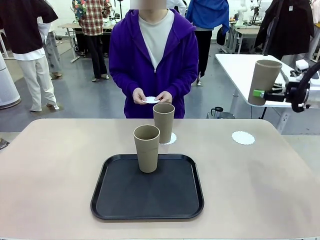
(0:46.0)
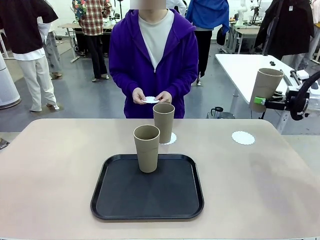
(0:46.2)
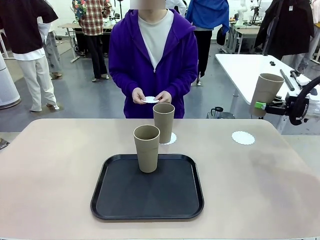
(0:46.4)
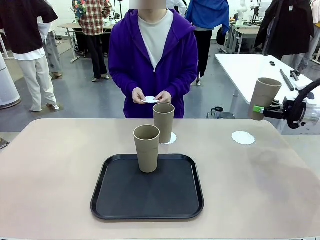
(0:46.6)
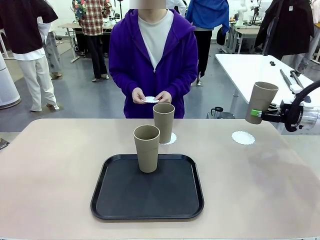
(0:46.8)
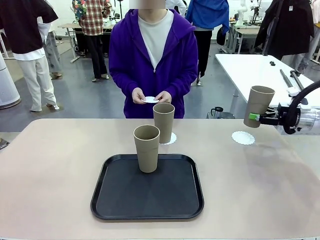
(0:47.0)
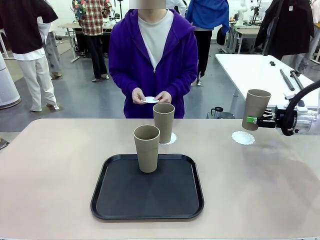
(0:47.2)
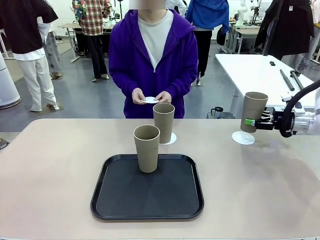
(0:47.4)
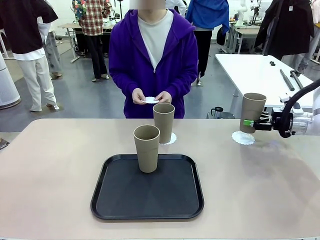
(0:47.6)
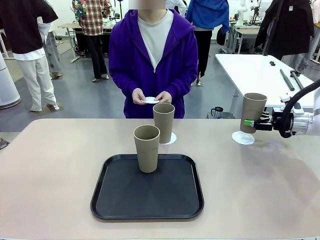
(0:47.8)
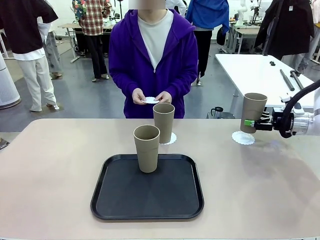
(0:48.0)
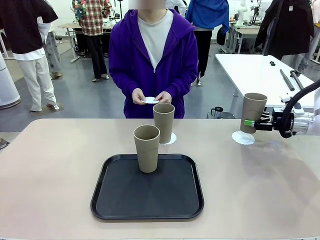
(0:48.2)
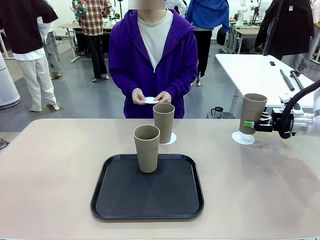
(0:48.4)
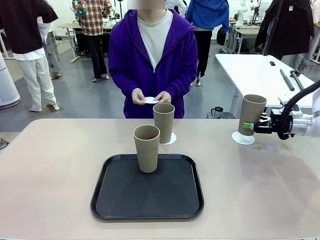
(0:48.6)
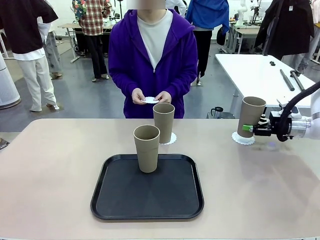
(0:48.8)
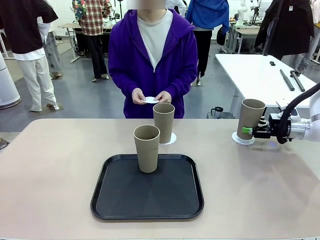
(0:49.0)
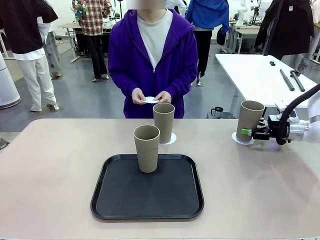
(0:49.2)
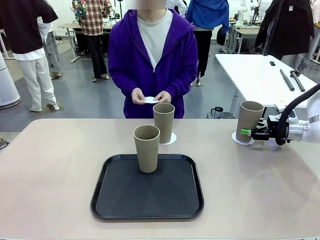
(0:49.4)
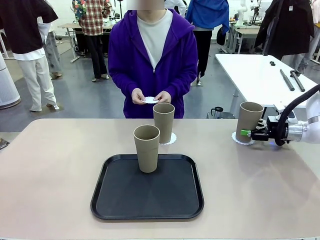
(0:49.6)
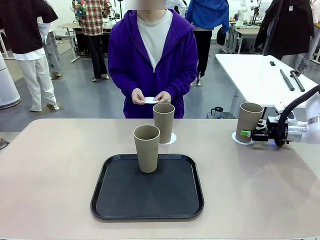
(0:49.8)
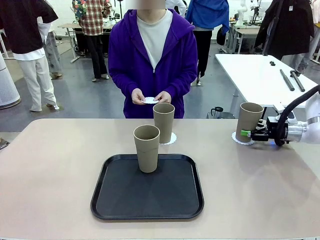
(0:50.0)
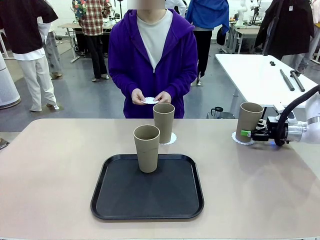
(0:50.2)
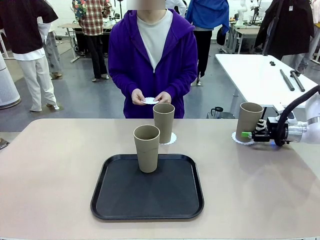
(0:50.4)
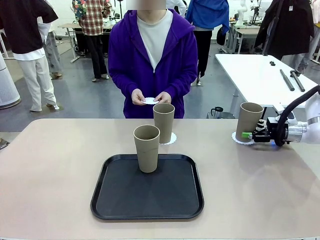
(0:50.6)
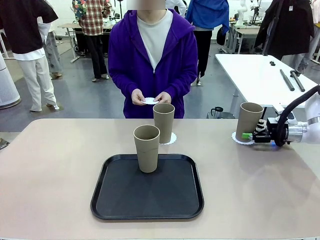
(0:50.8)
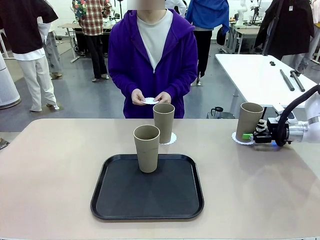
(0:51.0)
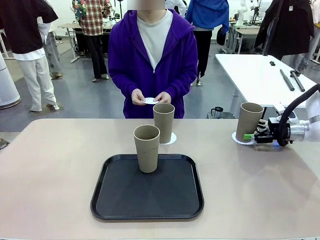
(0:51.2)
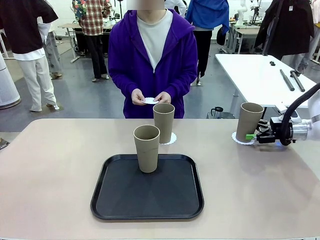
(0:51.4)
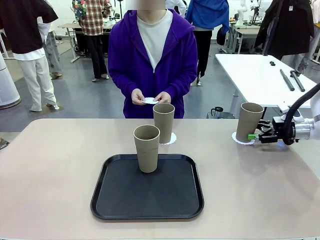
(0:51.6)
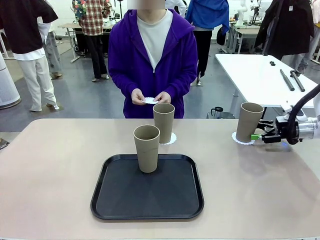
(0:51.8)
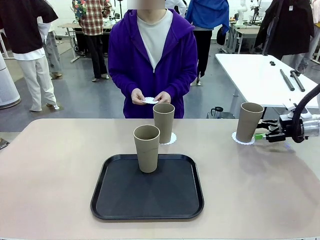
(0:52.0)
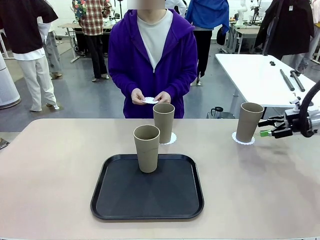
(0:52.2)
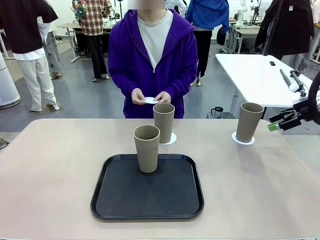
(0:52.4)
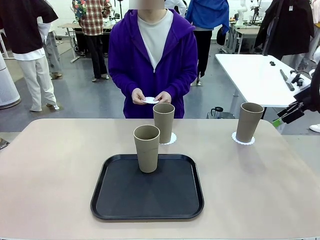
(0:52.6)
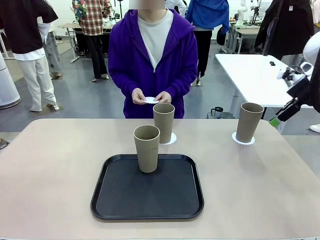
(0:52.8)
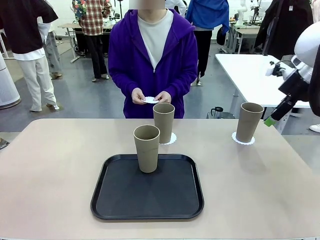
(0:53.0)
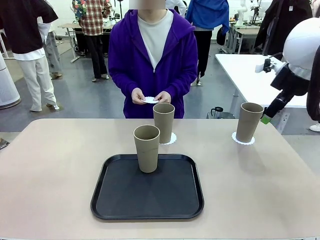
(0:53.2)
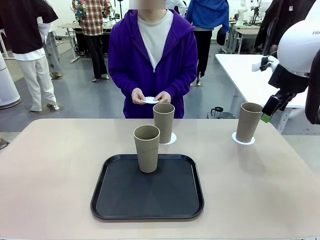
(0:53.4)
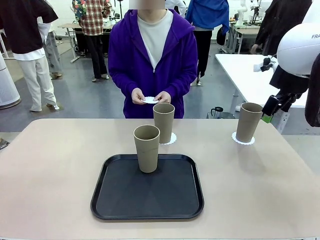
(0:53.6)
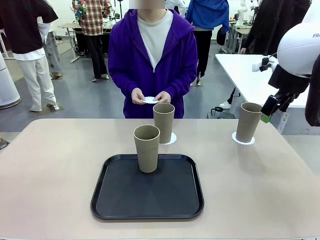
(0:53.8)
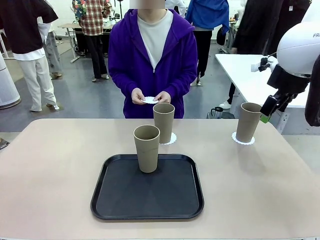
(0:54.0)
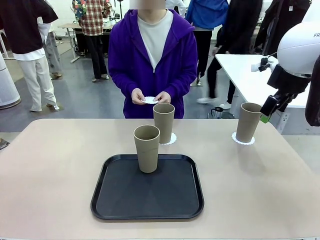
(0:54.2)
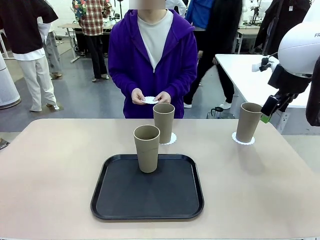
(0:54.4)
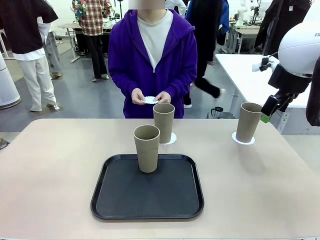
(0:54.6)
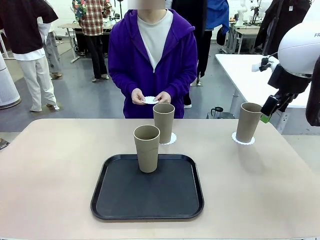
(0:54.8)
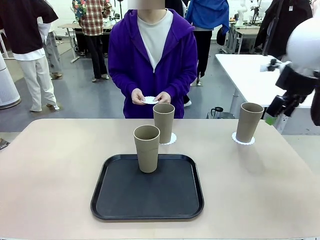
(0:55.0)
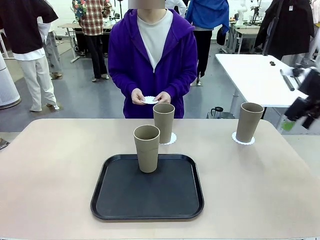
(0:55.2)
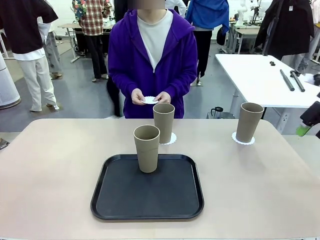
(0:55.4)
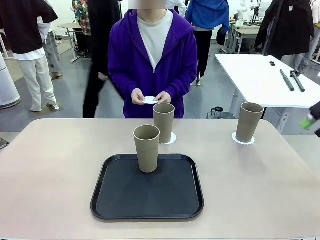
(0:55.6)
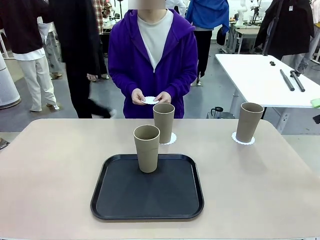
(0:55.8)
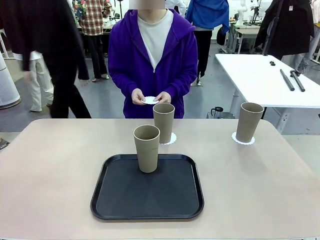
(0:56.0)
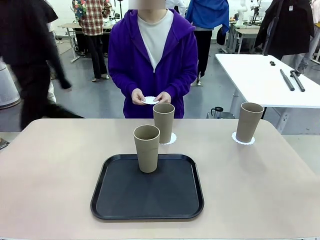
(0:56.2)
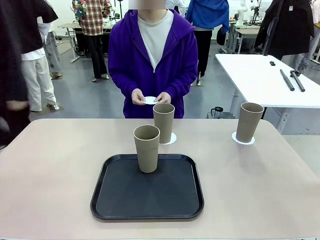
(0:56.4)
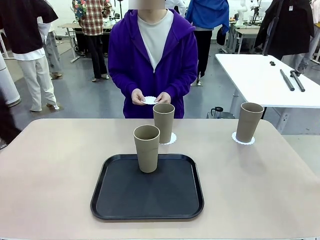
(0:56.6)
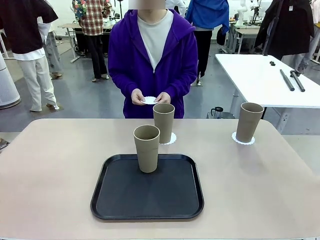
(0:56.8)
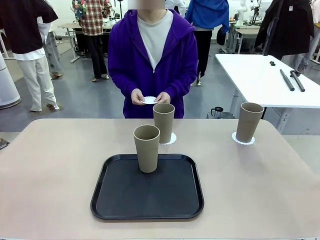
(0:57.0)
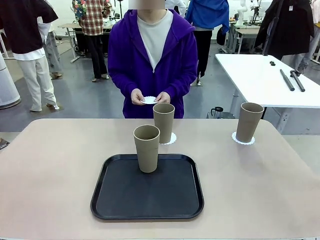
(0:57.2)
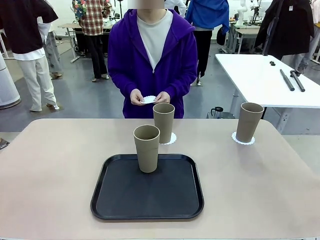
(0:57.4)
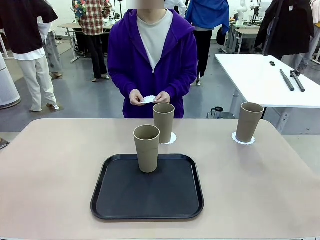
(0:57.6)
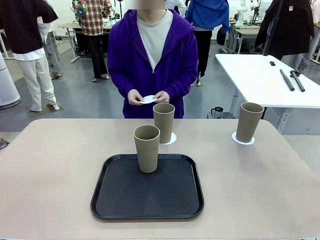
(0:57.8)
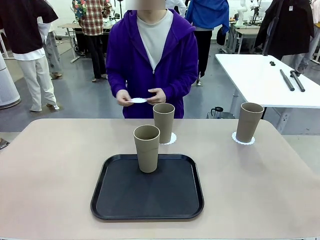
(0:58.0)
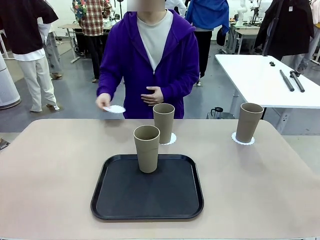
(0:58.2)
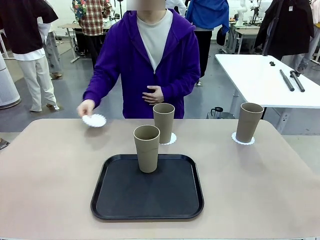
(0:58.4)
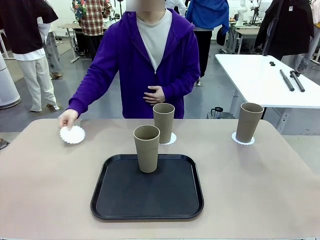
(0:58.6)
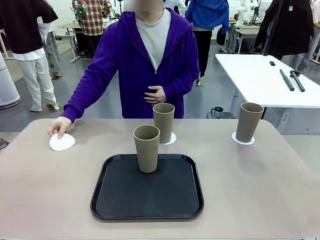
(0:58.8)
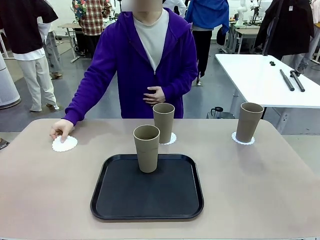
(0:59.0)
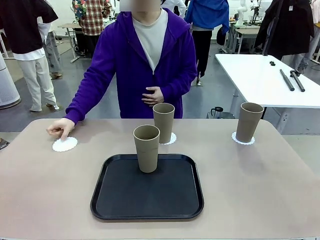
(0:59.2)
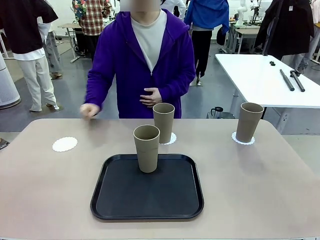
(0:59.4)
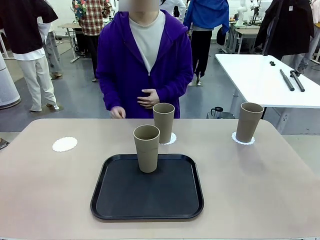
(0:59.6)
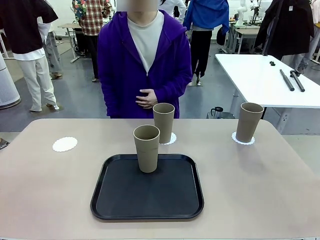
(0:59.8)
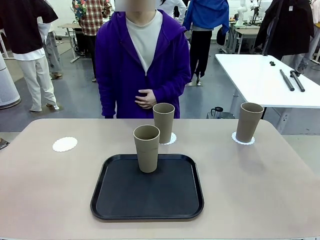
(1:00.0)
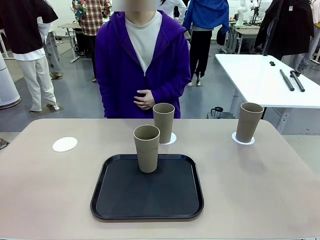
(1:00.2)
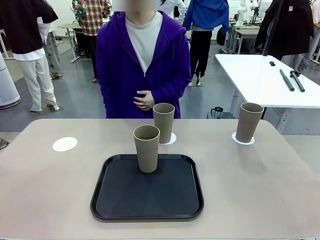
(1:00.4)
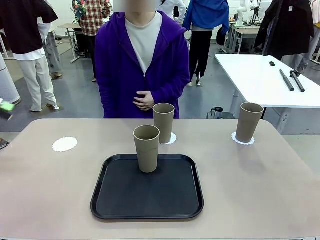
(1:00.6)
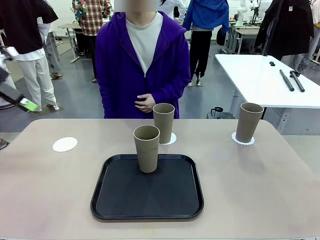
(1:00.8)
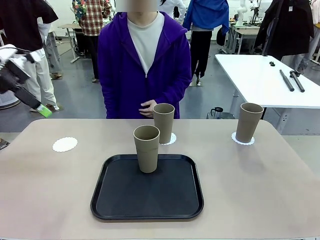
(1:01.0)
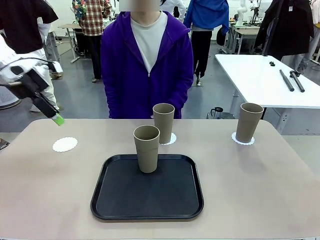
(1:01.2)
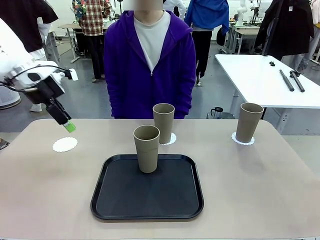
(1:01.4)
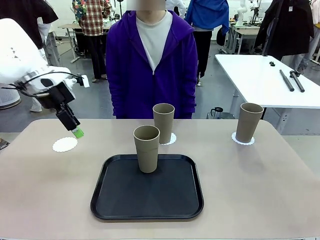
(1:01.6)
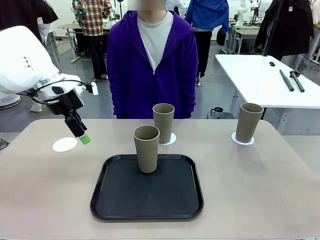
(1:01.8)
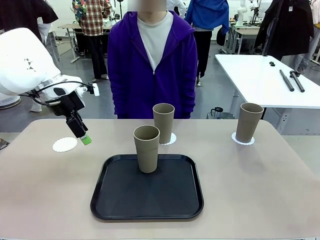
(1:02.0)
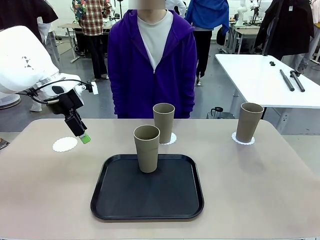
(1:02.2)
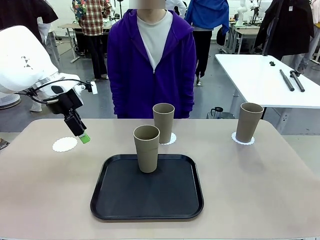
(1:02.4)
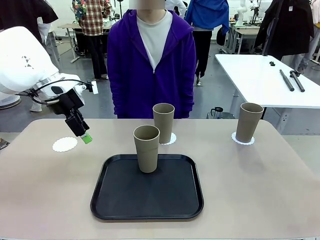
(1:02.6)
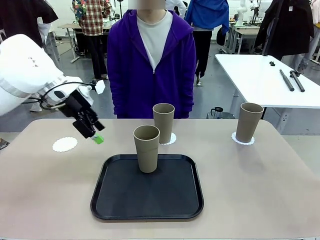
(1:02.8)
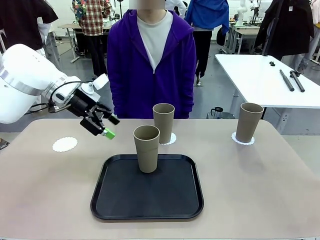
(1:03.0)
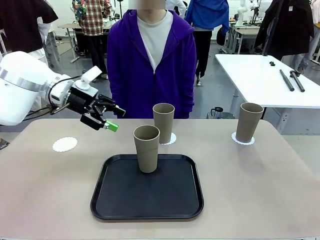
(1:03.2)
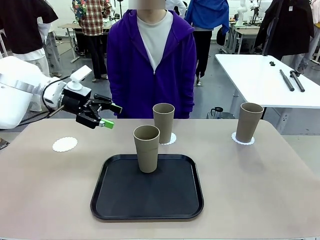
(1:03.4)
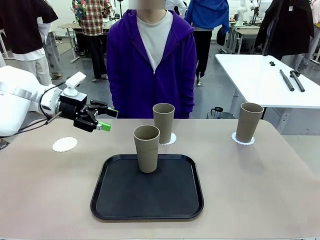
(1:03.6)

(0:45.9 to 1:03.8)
Task: Place coasters on the table and set cups on them.
Robot: Take one Reusable plastic cup from the Flat Tray and place it on a coaster set by the human.
